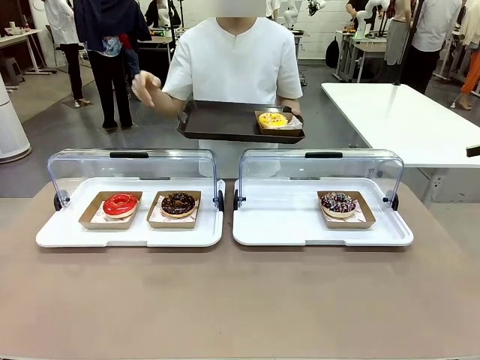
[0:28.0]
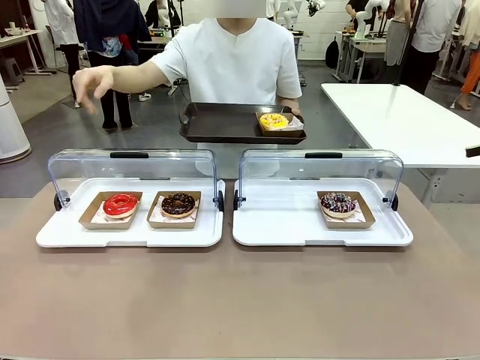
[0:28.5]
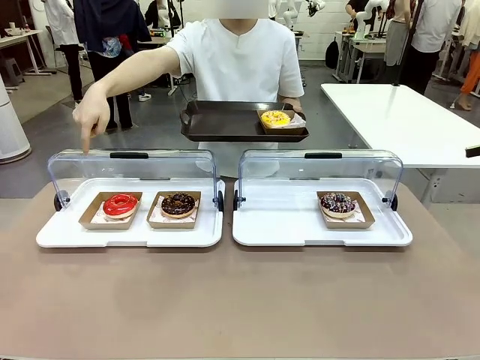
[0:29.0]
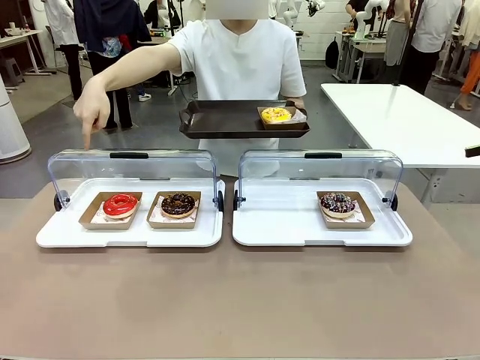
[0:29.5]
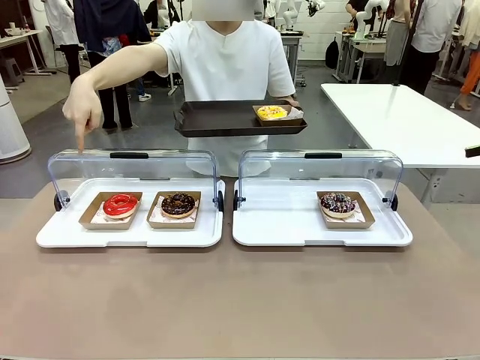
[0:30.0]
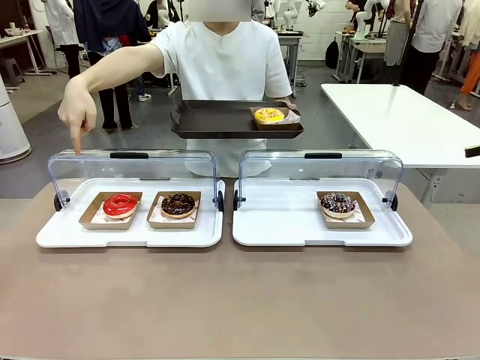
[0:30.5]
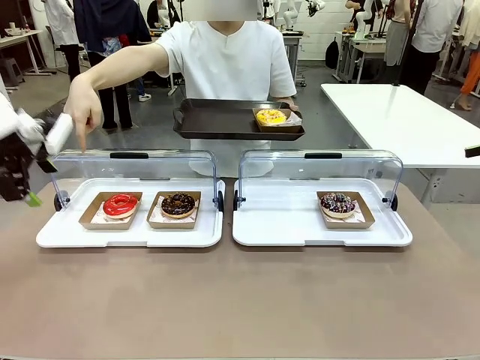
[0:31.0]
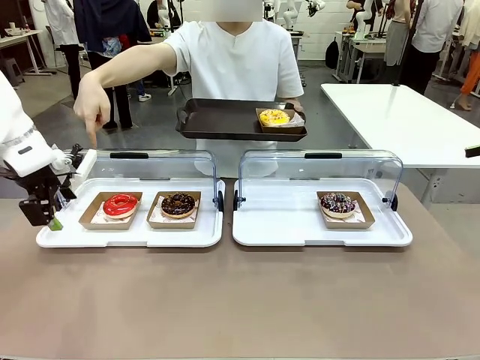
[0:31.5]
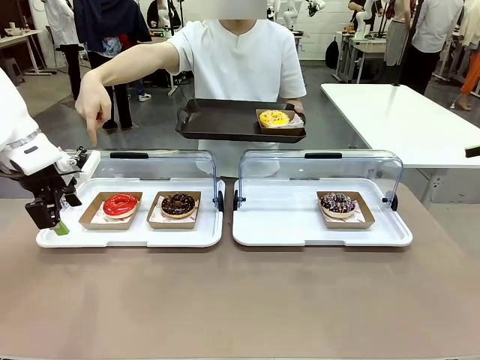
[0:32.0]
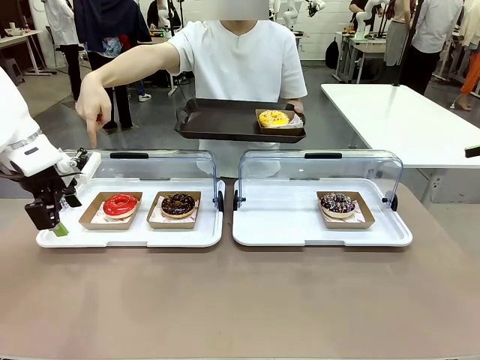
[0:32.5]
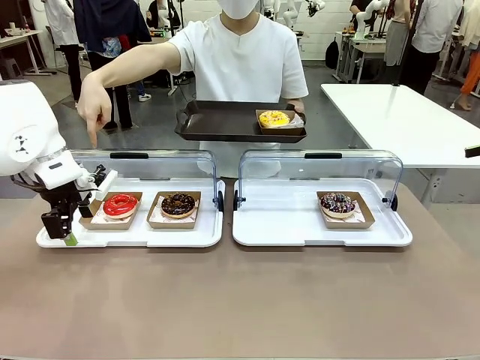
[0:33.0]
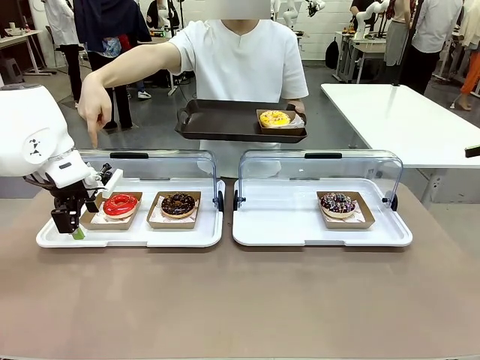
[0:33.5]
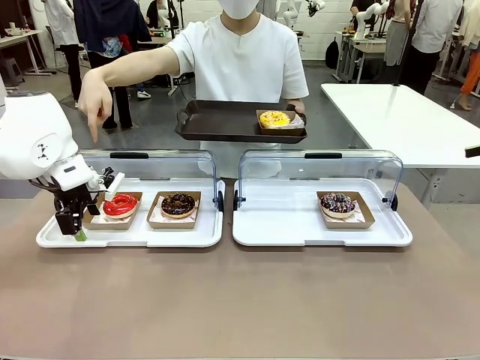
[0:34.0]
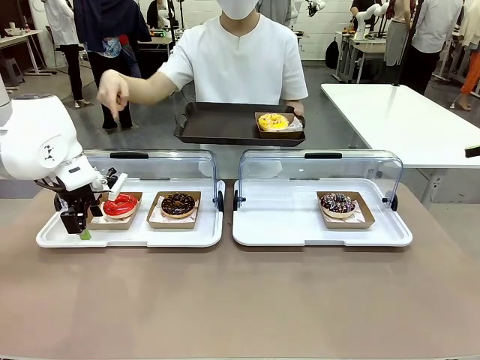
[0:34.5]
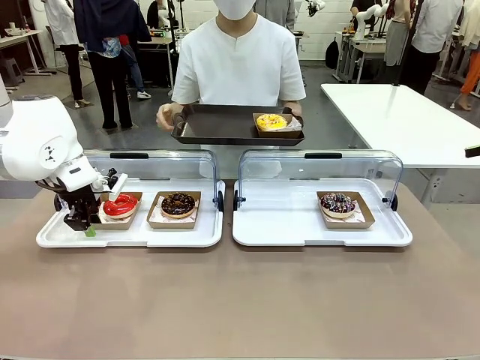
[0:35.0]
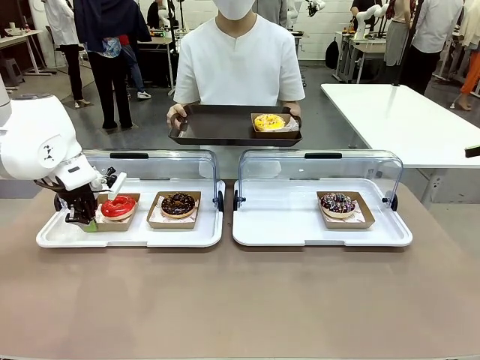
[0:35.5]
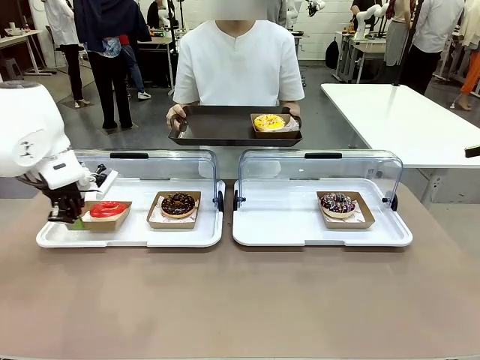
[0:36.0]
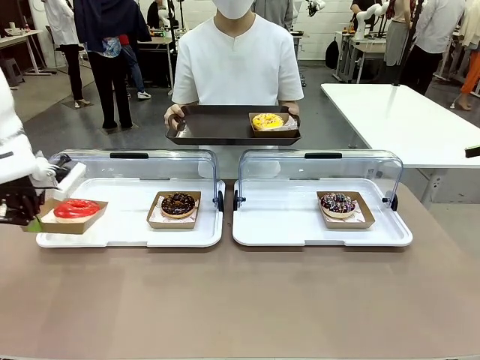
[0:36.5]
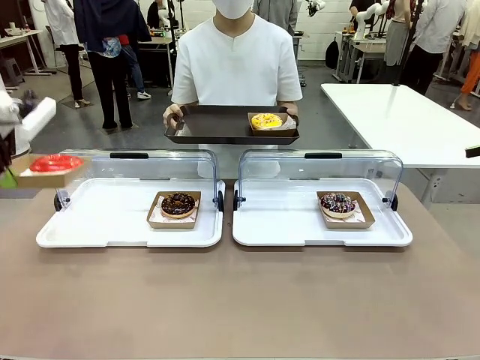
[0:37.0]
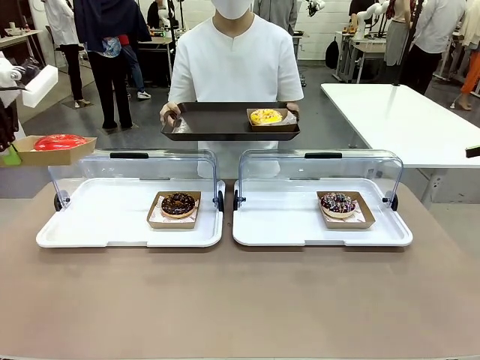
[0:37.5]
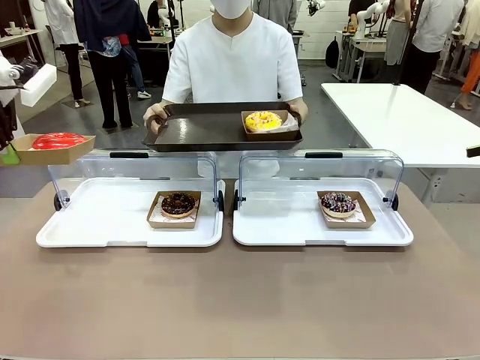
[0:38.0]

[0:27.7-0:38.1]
Task: Provide the desired donut to the person.
Robot: Pick up and lift the Paper togo box containing the Donut pointed at by the person.
Person: Lift the tray onto the Roll-Top Bakery Case.

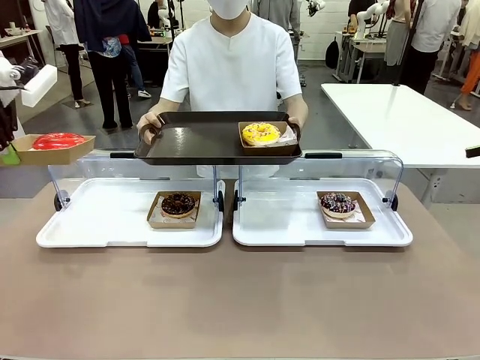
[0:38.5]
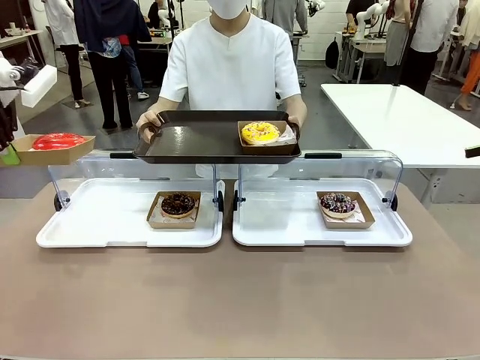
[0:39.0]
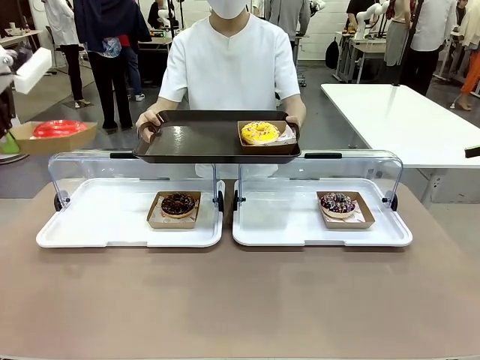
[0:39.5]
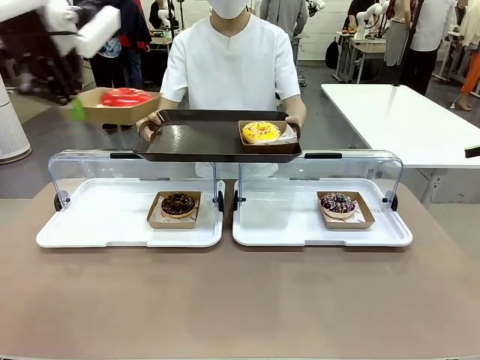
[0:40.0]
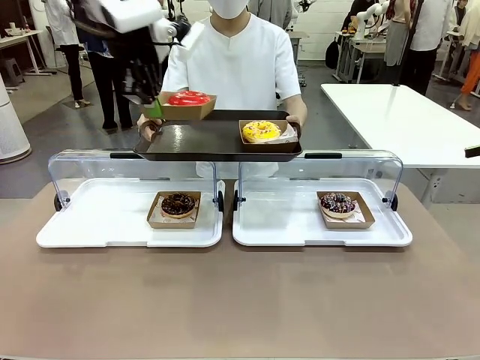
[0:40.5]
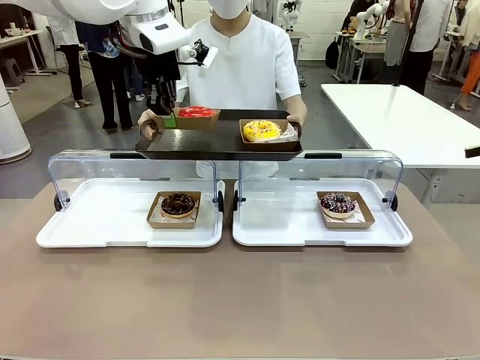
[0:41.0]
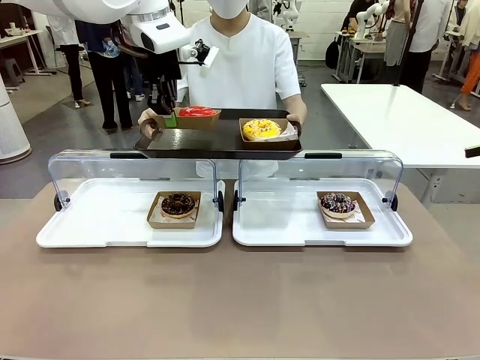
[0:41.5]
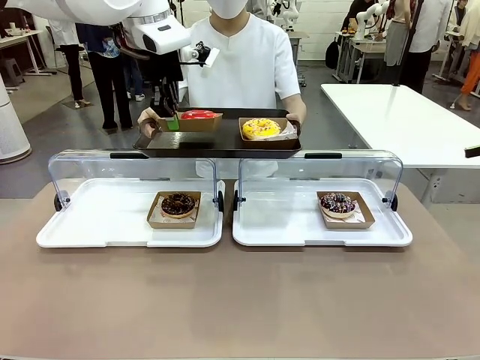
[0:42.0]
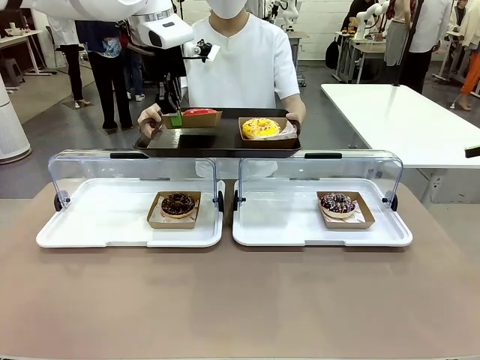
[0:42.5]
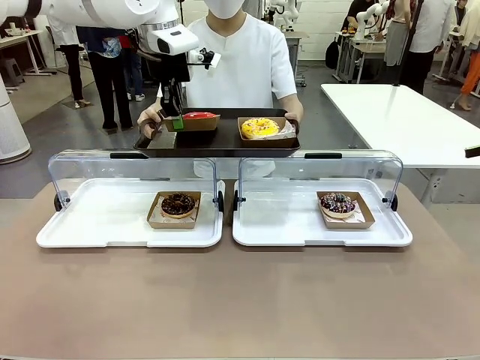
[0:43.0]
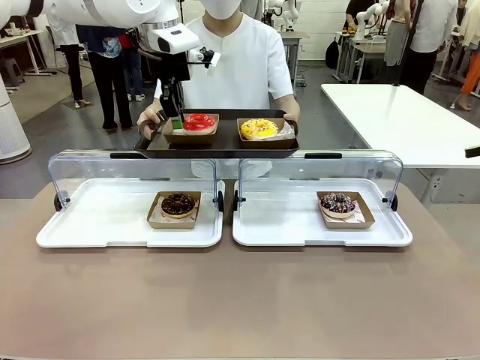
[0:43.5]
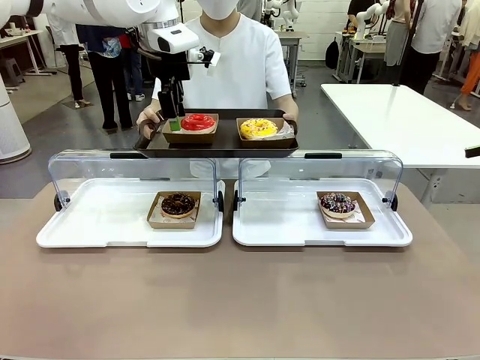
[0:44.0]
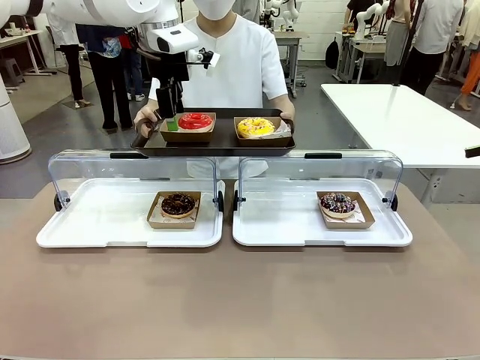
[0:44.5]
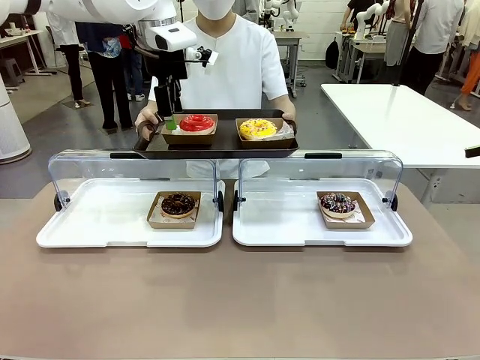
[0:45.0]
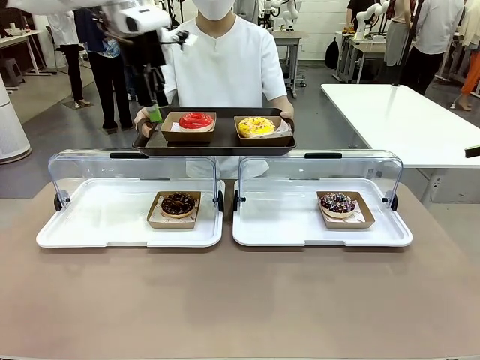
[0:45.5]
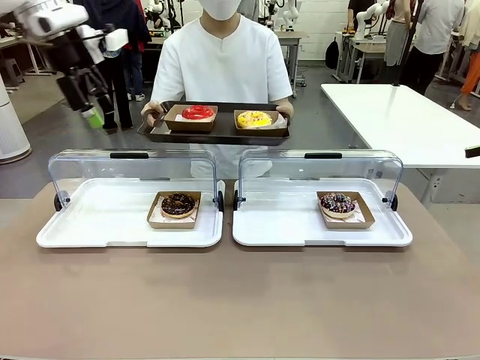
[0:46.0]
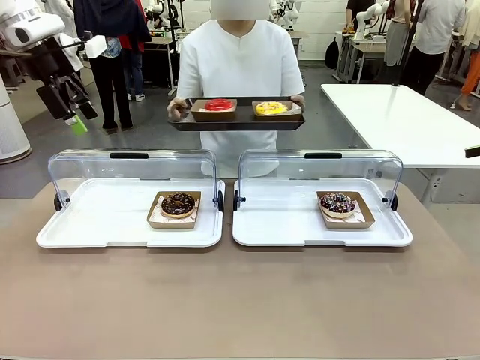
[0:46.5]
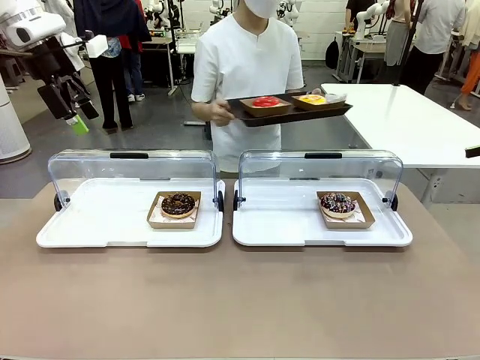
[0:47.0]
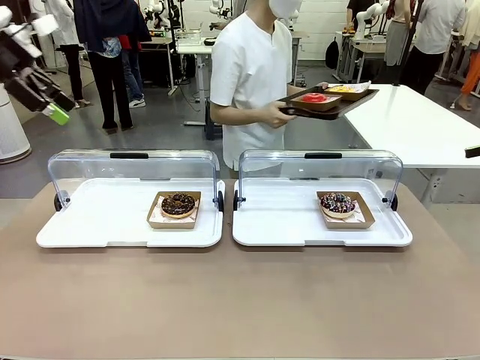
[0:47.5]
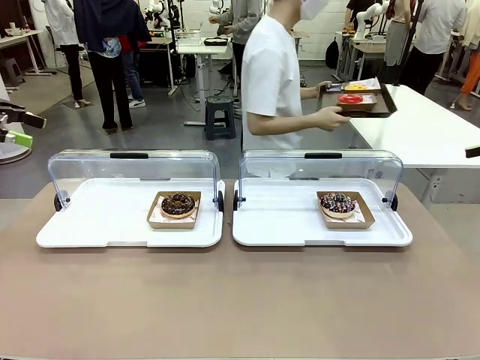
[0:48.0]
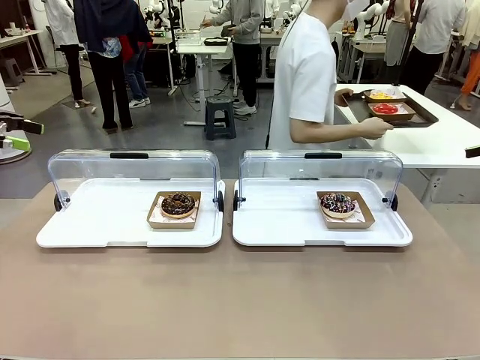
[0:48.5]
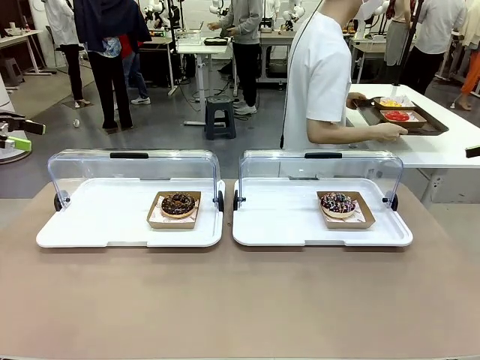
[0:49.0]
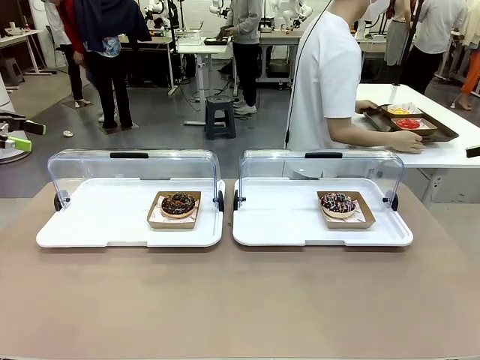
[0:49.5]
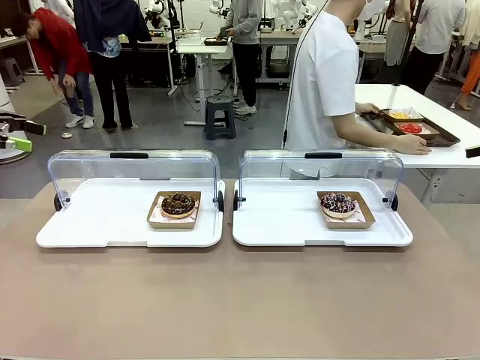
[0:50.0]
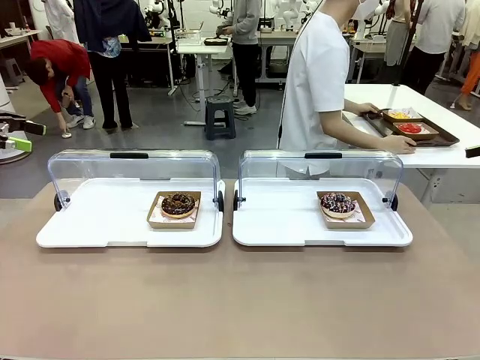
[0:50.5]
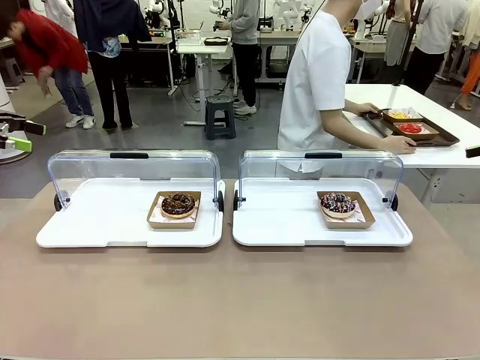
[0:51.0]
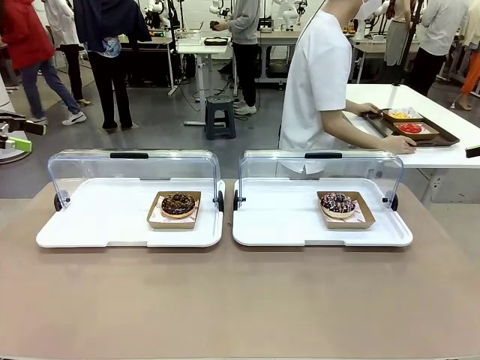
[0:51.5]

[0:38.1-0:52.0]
Robot: Place the picked Paper togo box onto the Handle tray extended by the person.
Person: Place the tray in the middle of the human table.
